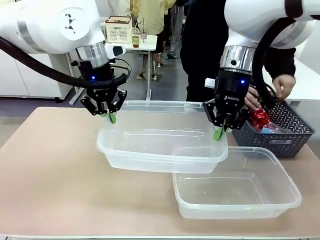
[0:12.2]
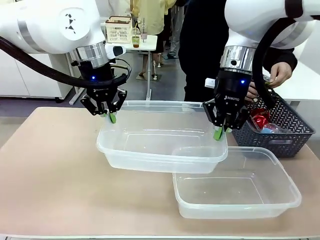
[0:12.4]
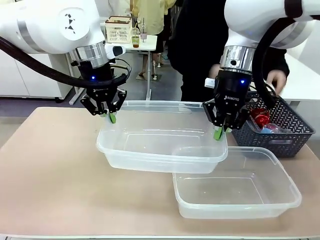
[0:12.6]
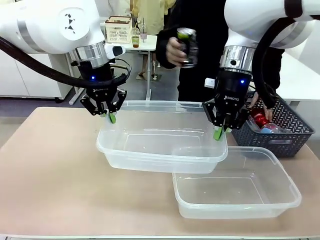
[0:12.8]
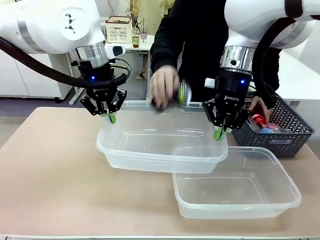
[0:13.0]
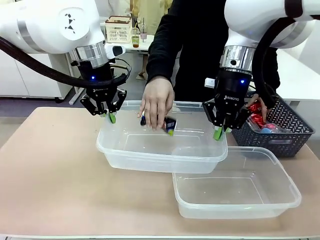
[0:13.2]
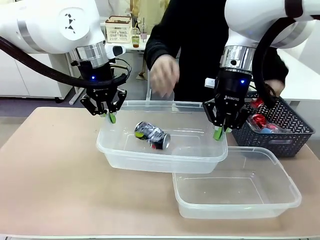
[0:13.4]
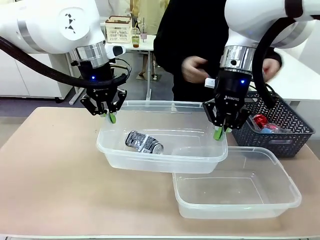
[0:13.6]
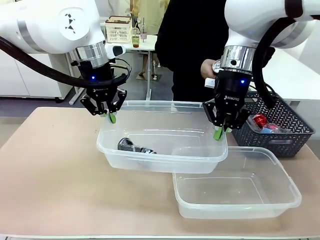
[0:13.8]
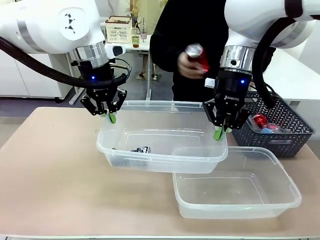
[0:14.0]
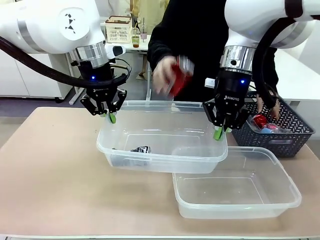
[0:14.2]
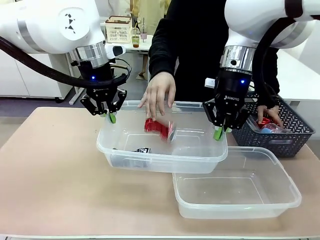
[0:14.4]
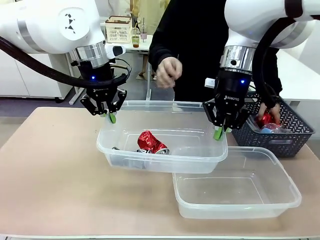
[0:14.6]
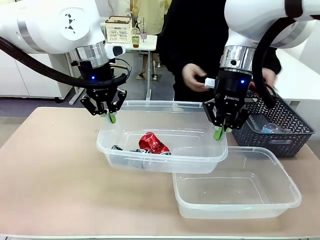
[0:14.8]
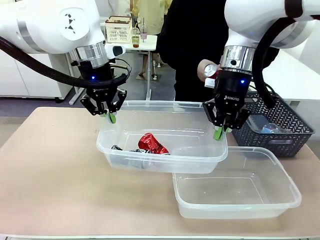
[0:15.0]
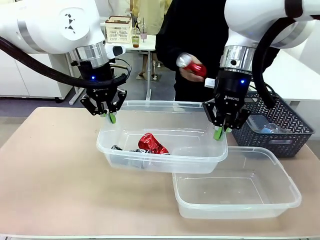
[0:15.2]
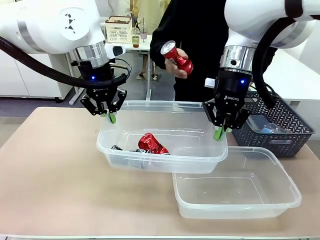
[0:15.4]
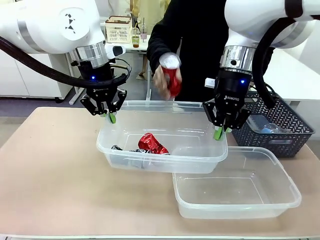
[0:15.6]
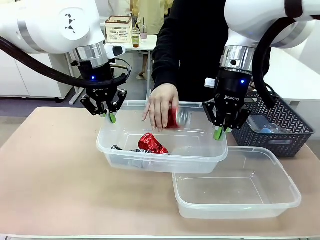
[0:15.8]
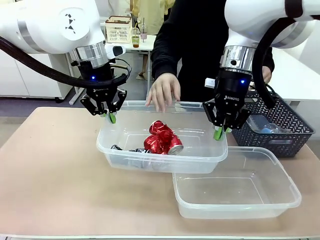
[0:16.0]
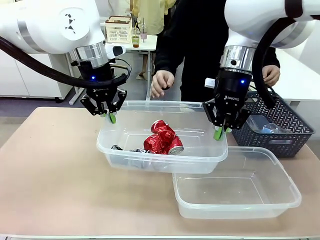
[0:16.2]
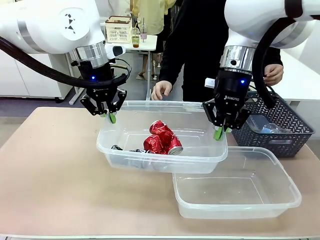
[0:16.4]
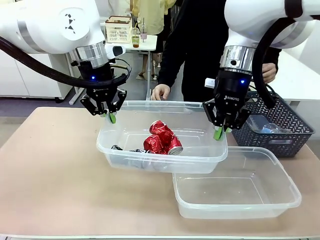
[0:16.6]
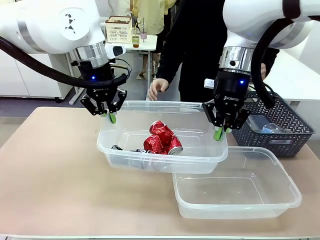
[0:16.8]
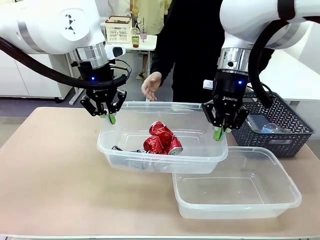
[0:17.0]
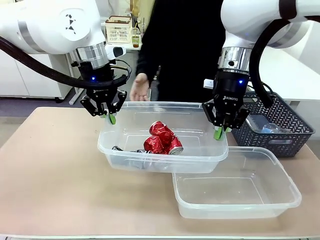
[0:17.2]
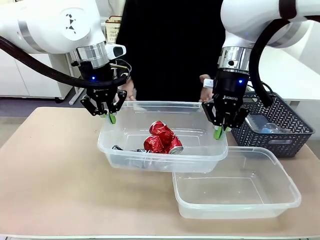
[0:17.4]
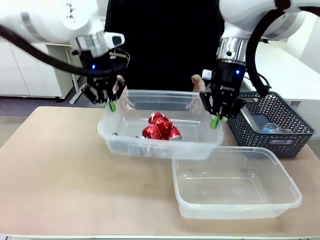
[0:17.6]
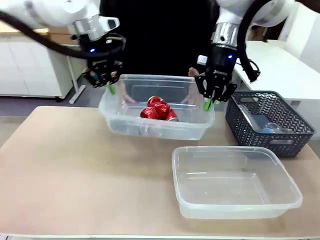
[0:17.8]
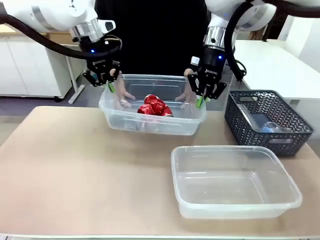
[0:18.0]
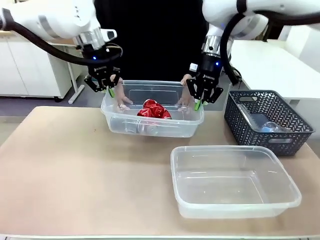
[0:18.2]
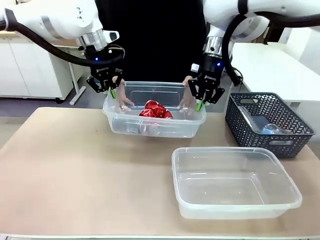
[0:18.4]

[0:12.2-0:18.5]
Robot: Offer the picked Organizing box to the human.

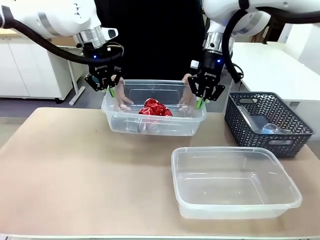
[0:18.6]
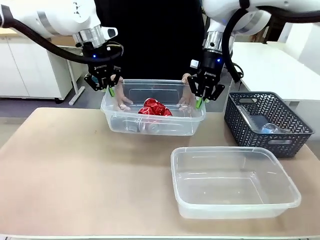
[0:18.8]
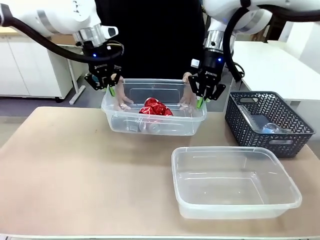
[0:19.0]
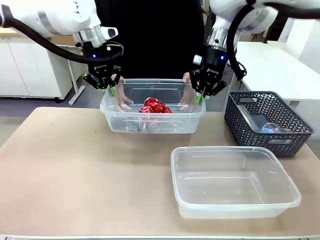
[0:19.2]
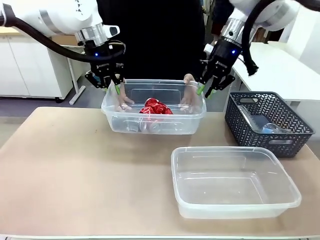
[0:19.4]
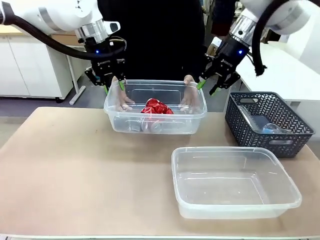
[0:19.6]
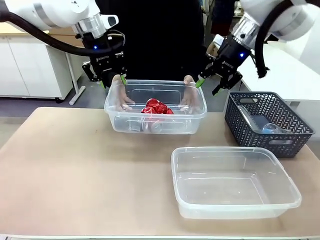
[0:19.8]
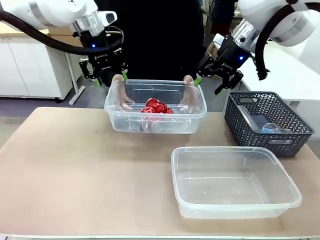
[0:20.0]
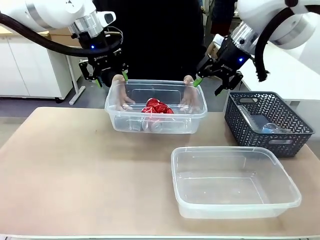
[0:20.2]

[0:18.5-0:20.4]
Robot: Release the Organizing box you were holding.

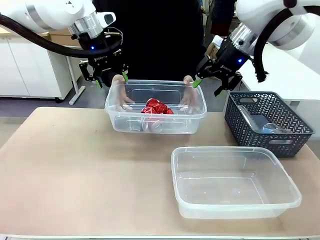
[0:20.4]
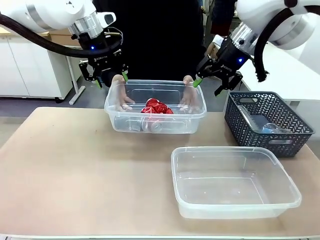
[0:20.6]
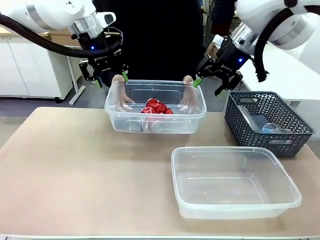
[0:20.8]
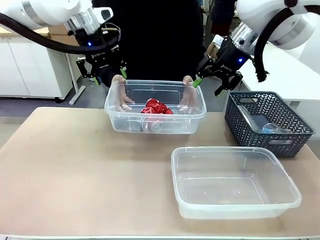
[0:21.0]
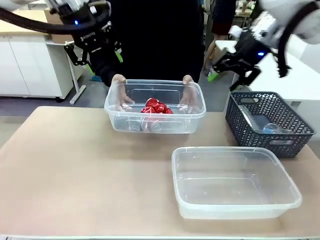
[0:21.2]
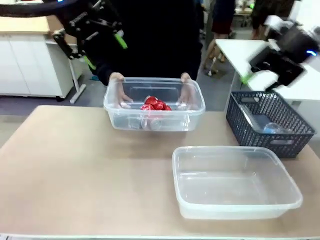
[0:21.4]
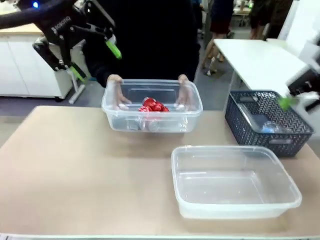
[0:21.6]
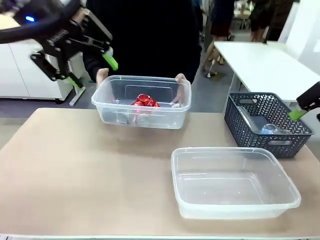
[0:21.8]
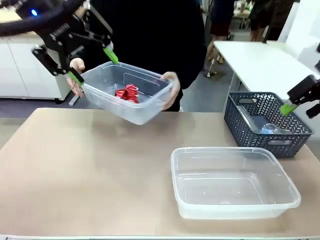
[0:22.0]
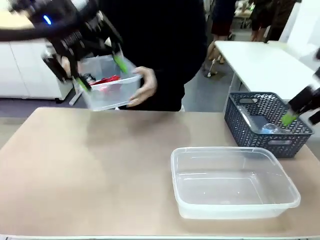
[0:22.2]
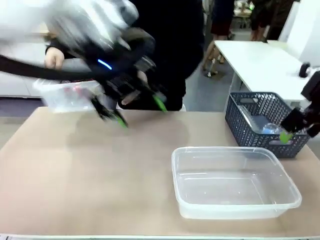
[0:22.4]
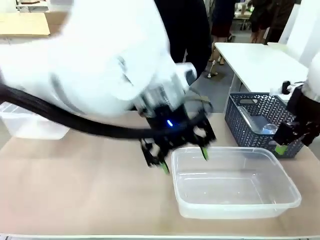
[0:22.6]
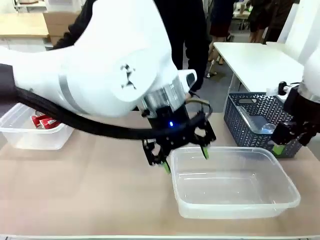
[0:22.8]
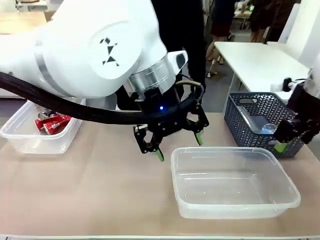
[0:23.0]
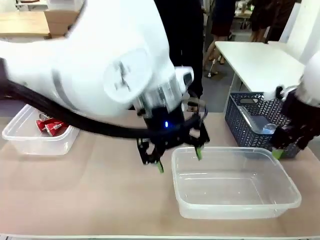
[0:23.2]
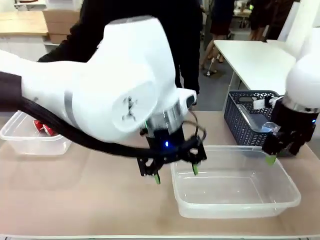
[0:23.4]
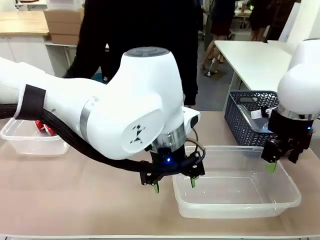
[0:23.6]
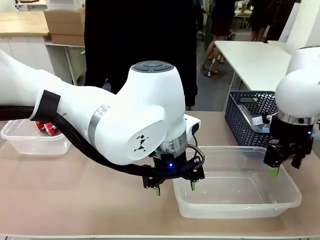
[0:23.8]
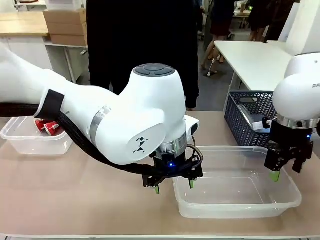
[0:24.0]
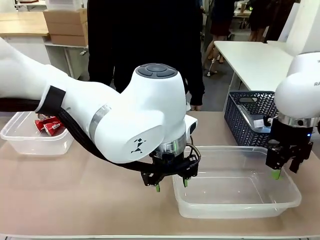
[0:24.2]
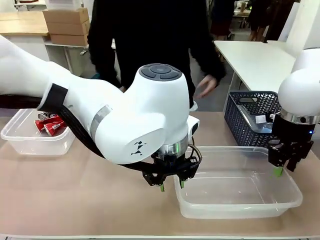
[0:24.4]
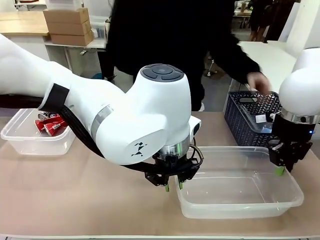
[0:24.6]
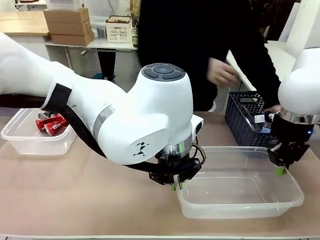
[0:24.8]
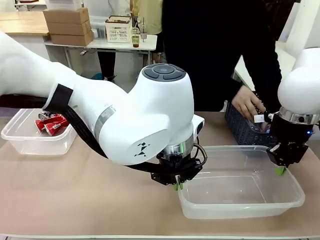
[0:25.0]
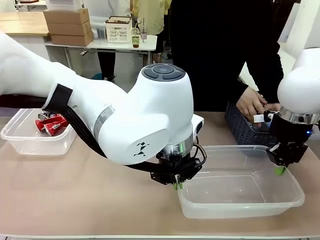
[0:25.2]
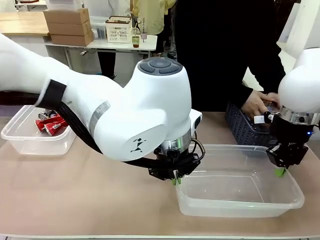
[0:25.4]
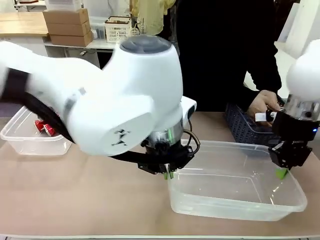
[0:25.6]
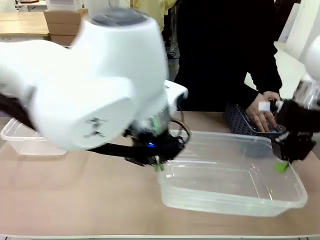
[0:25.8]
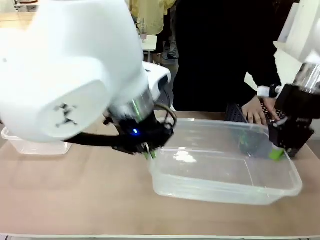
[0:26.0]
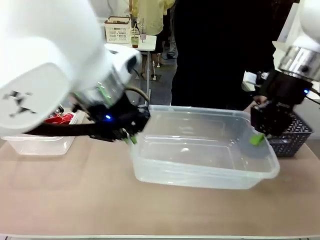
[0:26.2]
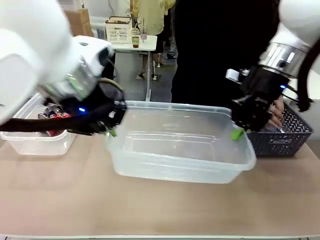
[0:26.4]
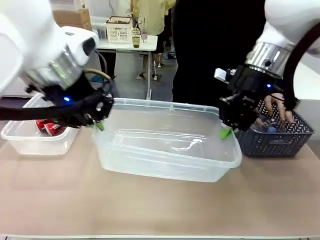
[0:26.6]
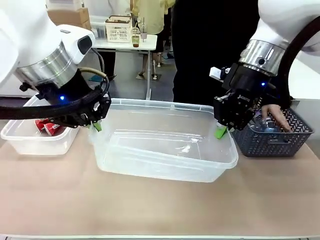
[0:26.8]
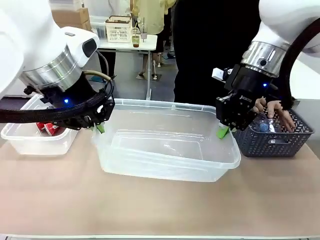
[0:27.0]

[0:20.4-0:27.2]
Robot: Pick up the Organizing box on the right side of the table and lift it.
Person: Place it at the edge of the bottom right area of the robot table.

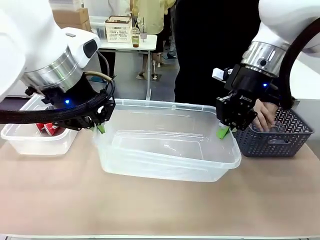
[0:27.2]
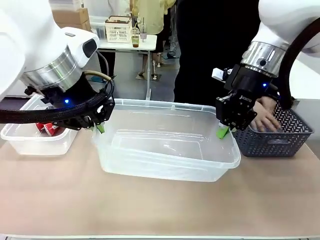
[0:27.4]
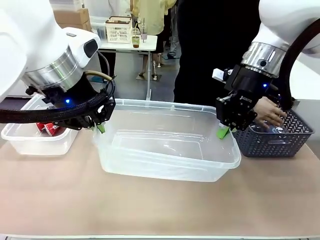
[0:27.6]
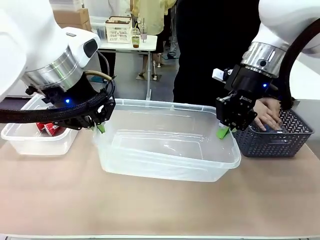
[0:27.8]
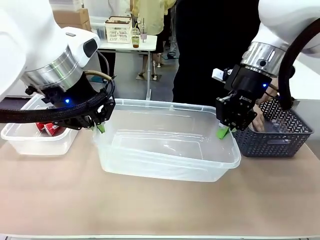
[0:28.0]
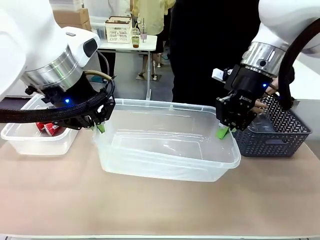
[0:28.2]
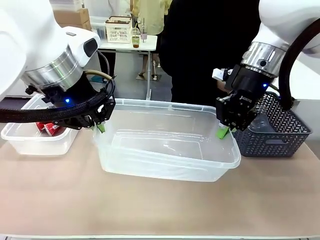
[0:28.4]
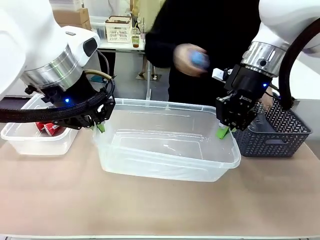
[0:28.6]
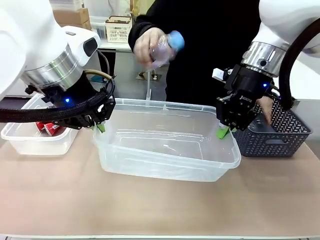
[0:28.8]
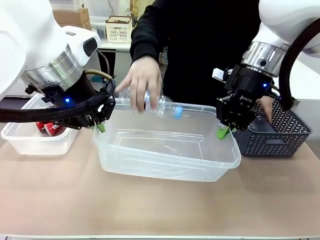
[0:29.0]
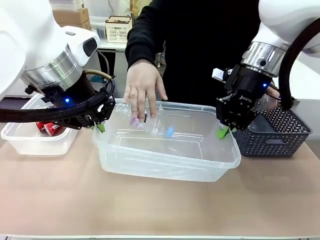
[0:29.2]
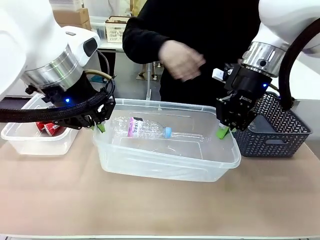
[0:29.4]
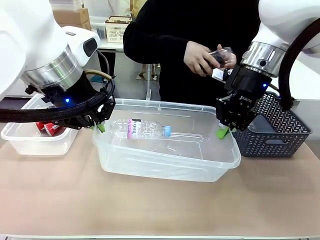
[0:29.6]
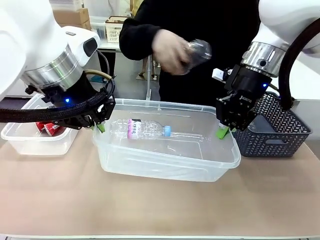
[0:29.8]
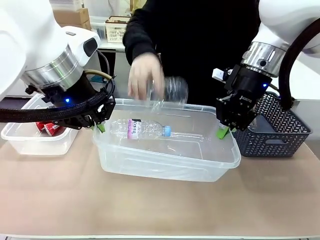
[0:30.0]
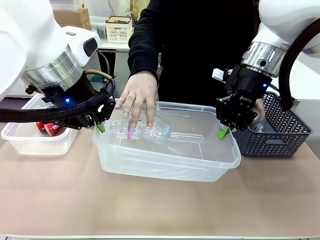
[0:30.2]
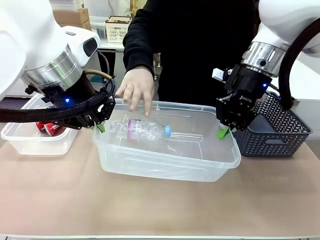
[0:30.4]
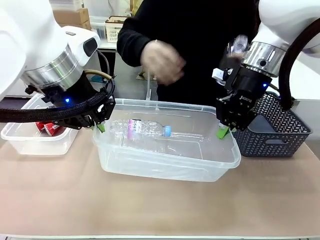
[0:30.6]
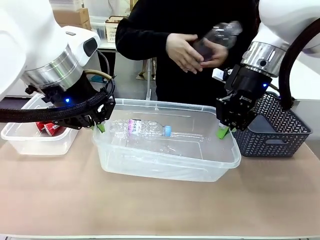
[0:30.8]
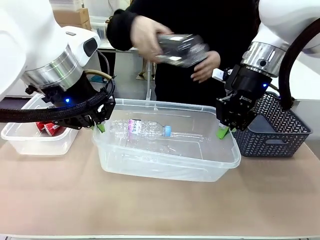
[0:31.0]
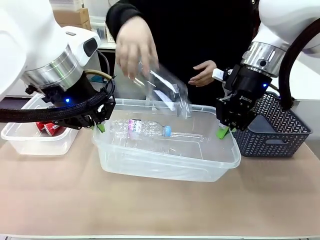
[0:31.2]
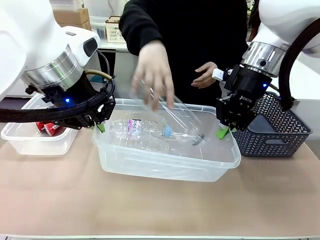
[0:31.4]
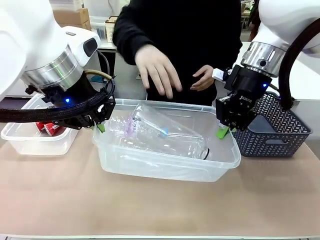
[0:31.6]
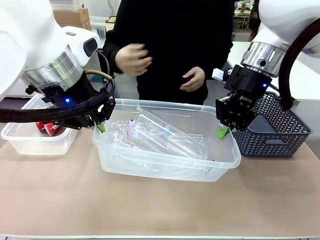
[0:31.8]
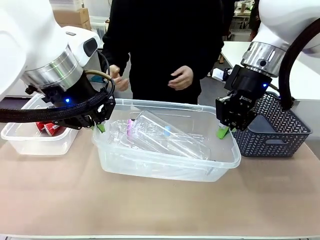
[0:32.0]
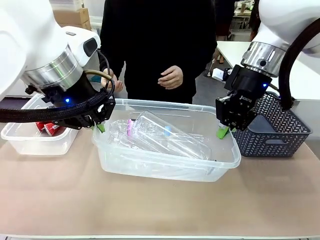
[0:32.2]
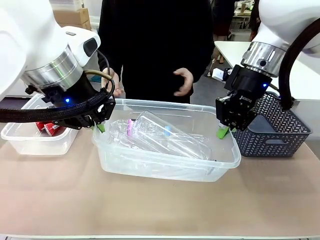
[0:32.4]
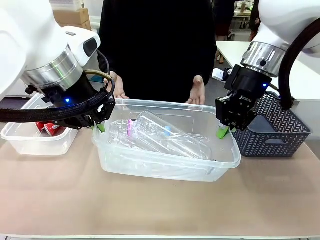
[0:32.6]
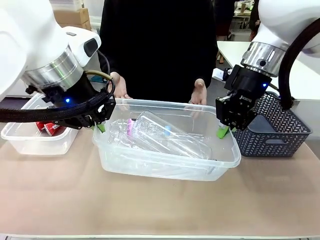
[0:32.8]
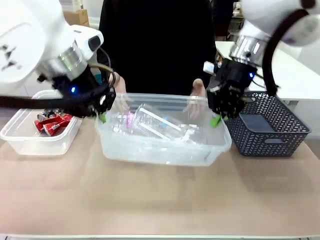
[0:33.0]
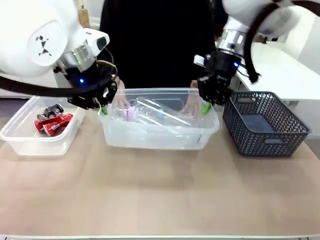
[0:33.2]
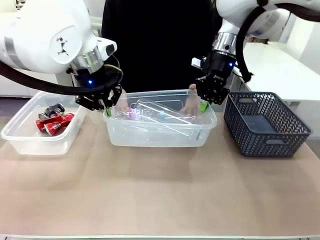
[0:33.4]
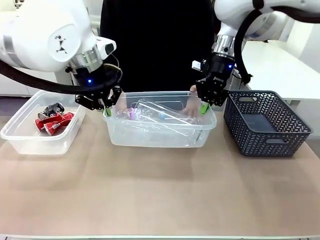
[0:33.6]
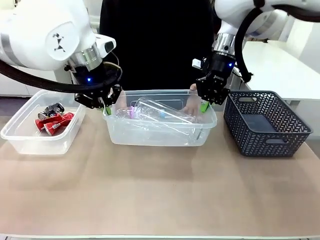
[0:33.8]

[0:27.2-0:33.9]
Robot: Offer the picked Organizing box to the human.
Person: Pick up plastic waste one by one and place it into the organizing box lifted by the robot.
